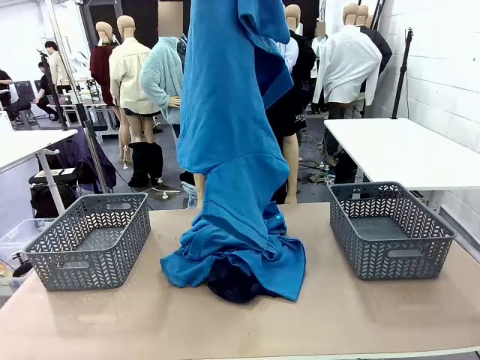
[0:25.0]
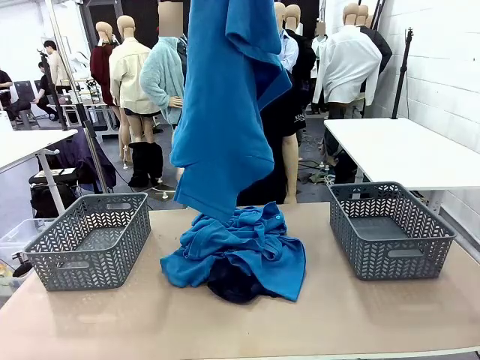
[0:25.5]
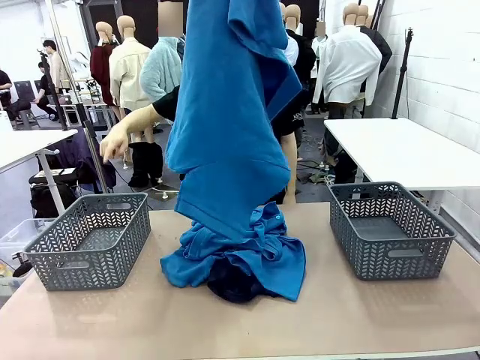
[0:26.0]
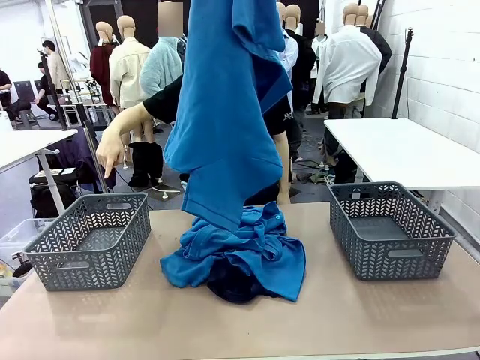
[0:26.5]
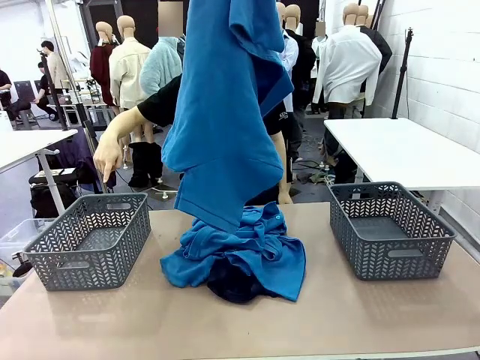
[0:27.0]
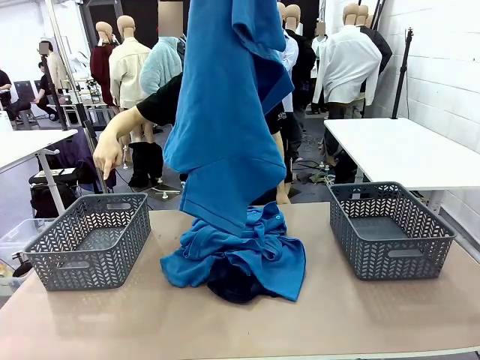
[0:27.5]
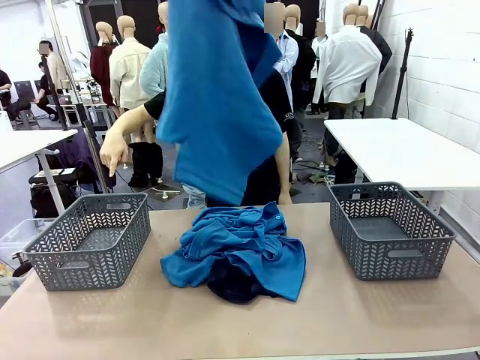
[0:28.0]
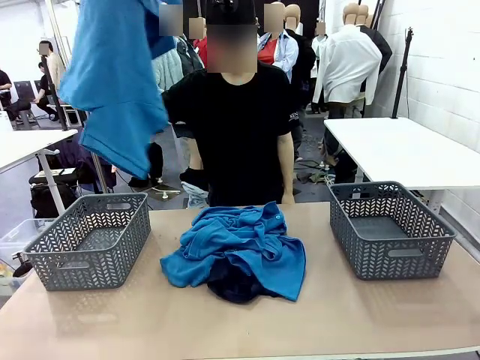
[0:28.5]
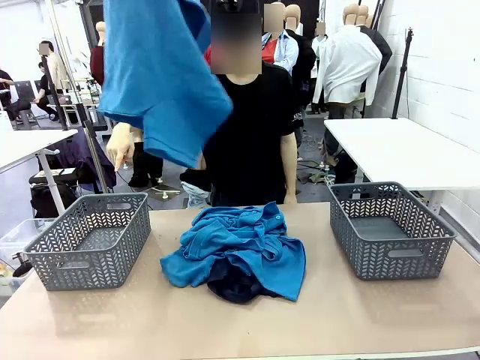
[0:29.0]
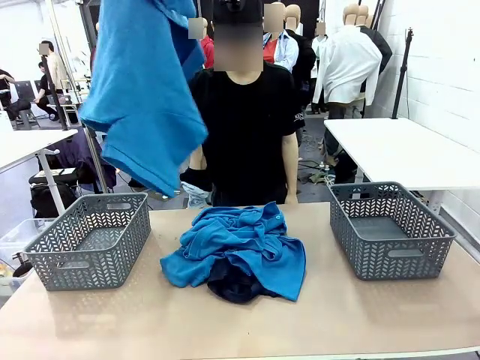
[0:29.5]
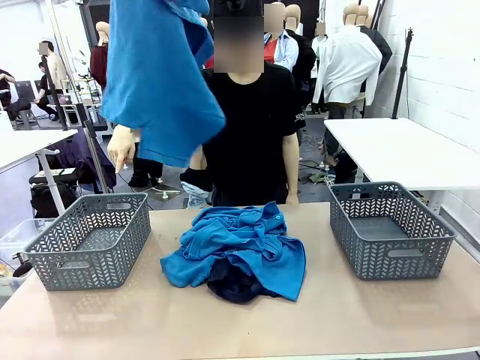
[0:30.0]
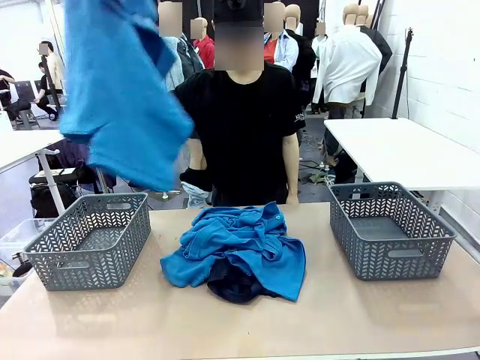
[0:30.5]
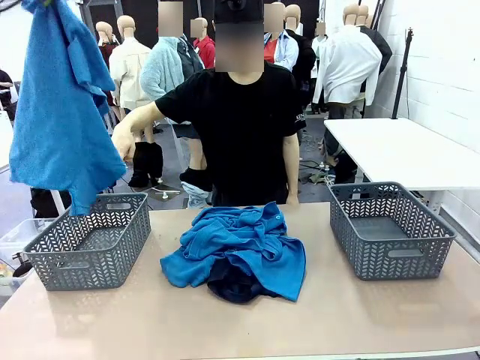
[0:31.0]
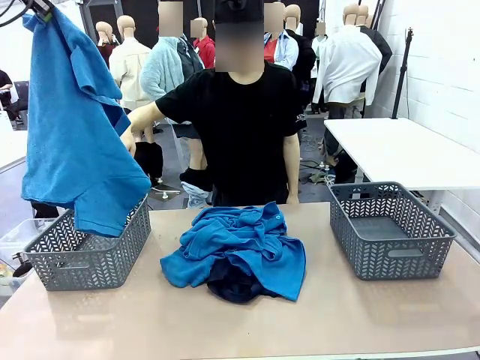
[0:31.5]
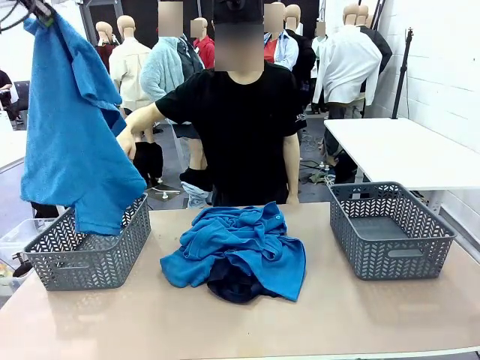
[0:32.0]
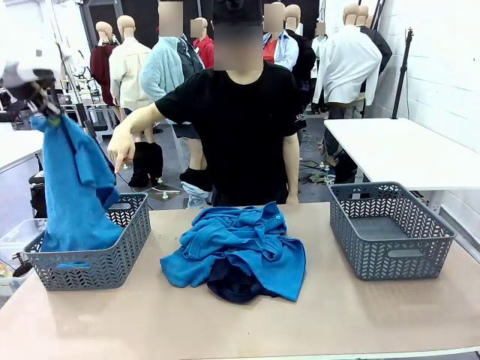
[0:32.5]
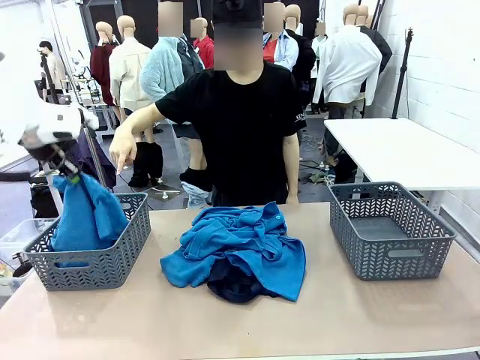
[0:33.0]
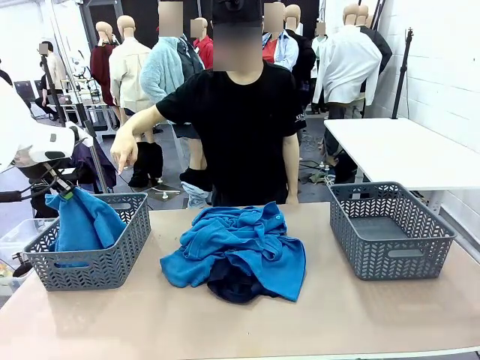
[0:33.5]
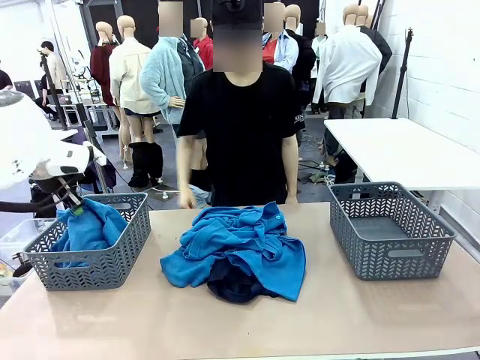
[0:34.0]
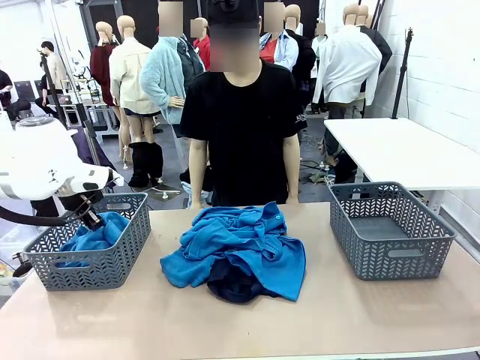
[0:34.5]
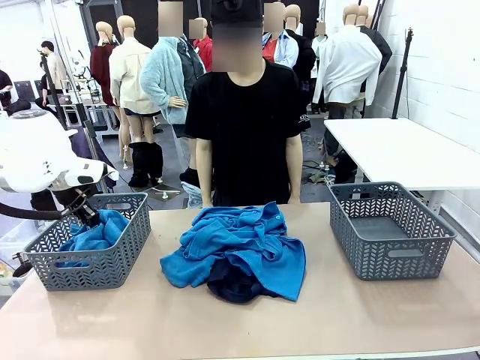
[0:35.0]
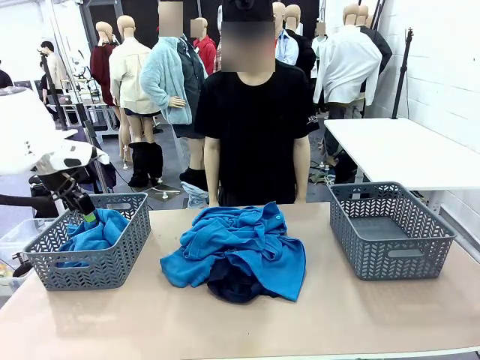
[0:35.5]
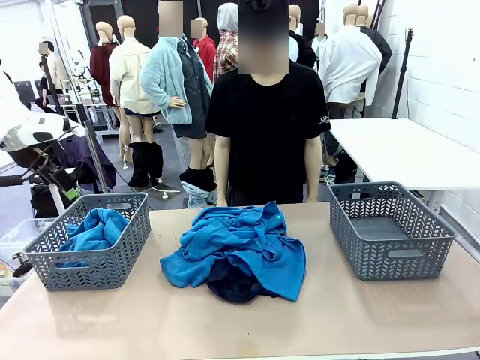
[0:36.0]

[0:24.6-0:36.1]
Task: Sort the tops and bottoms.
Robot: Sort the clothes according to human instructions.

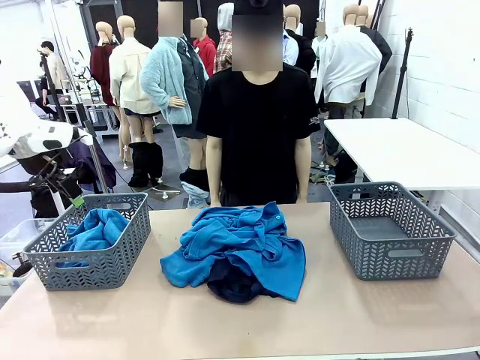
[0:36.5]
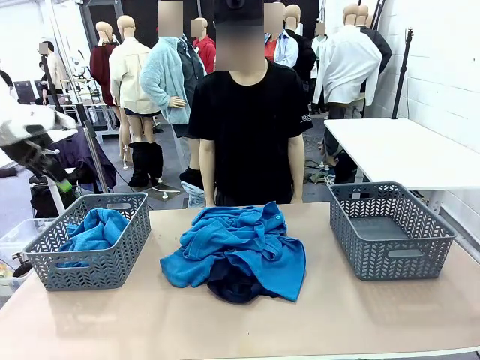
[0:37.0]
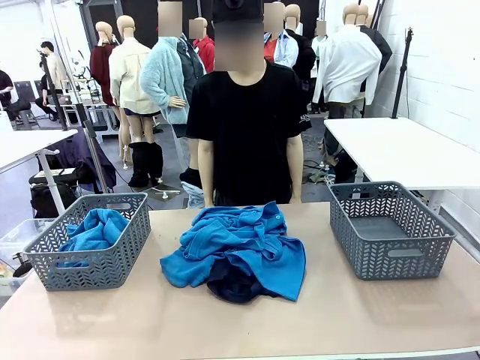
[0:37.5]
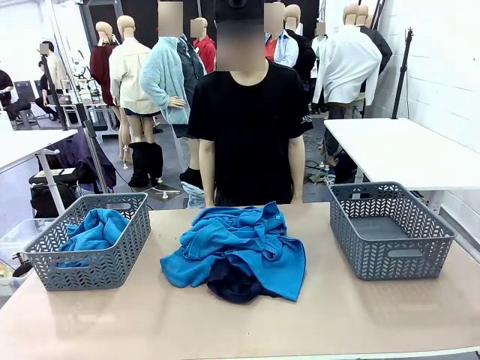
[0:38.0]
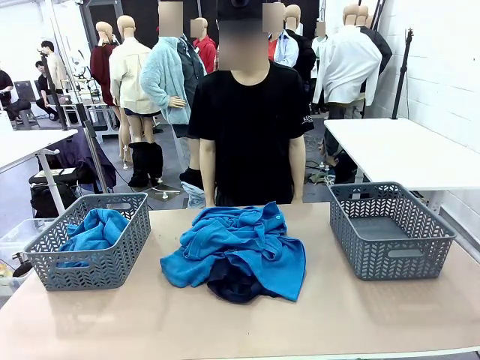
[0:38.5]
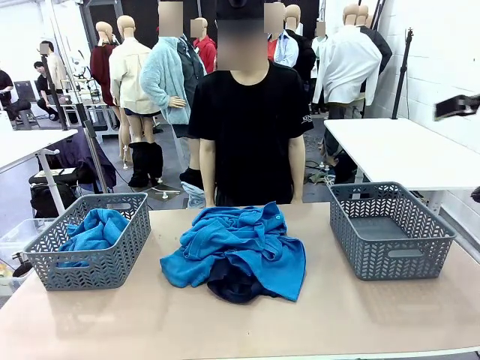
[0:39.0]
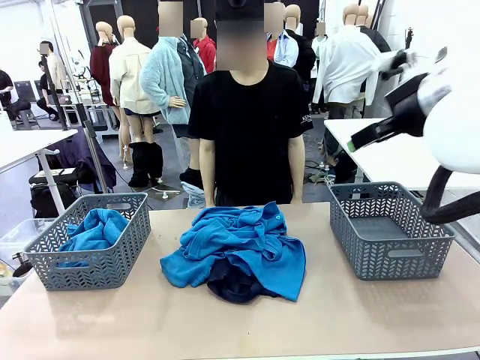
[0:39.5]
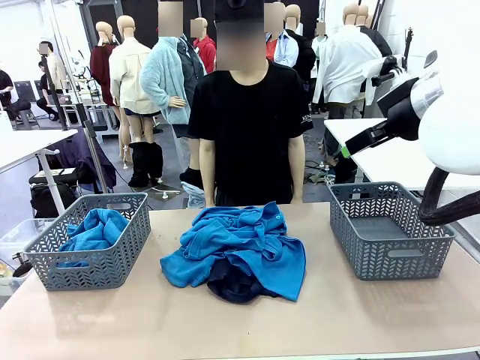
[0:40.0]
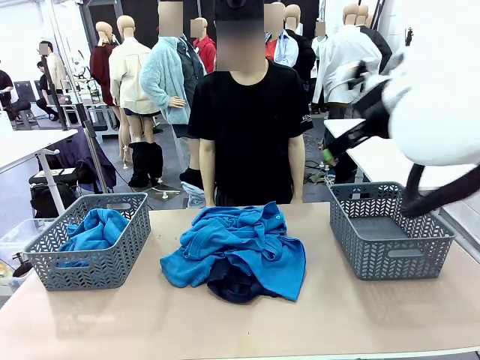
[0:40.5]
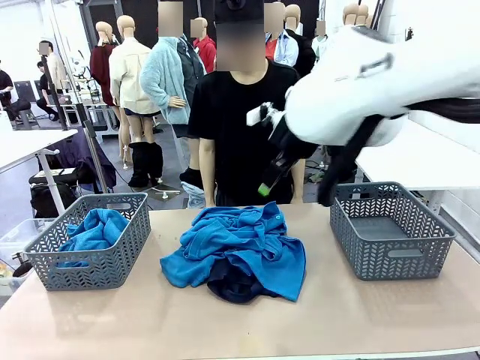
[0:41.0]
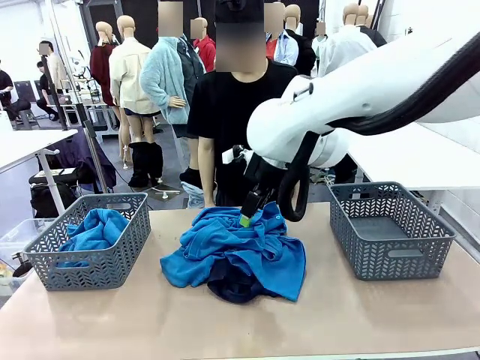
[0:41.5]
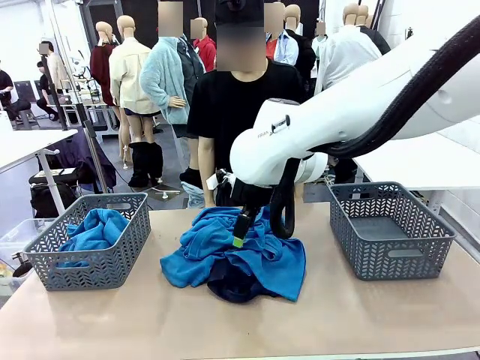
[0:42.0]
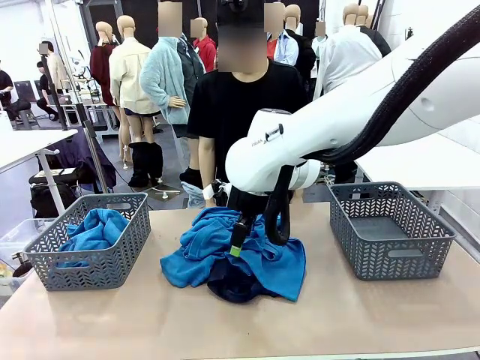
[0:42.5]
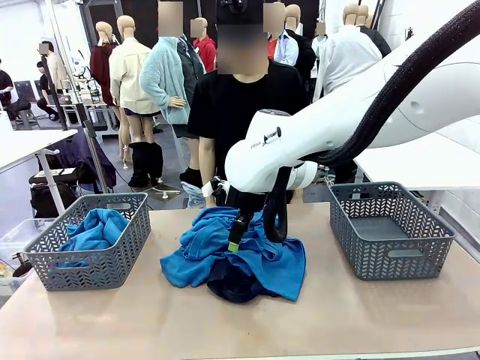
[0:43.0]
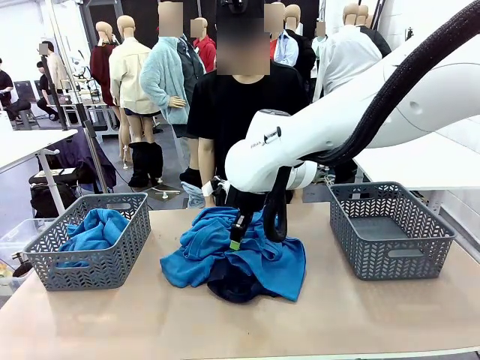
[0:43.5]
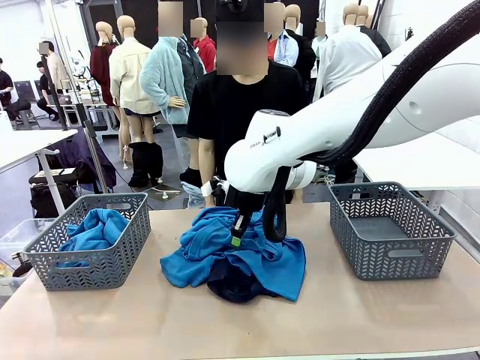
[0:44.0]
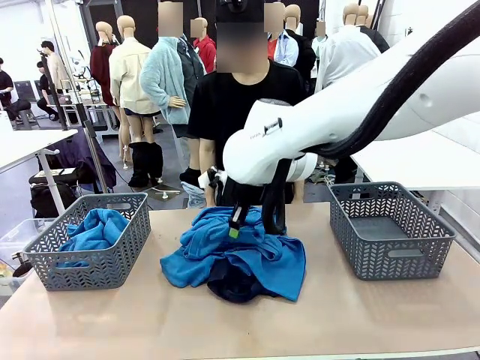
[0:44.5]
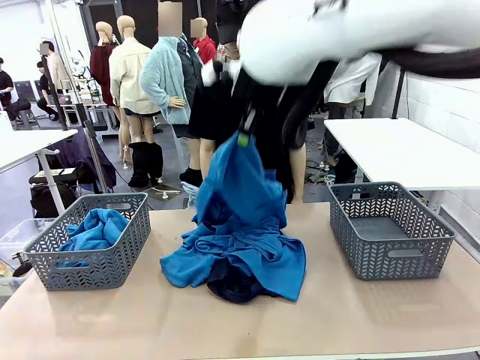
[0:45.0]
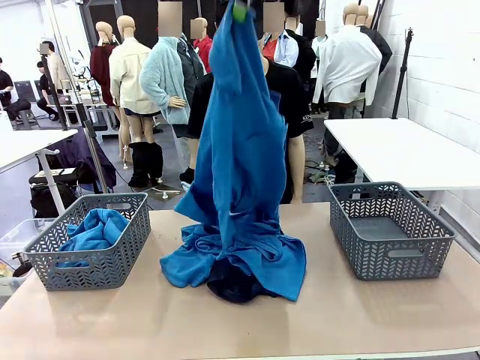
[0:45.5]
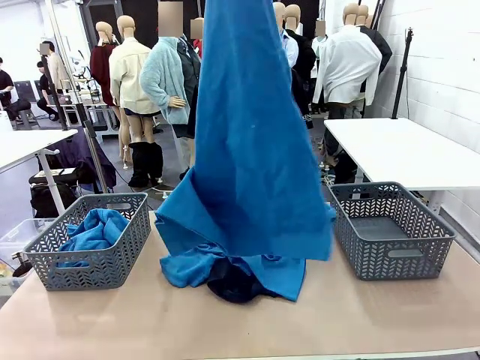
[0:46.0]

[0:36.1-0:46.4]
Robot: Lift clothes from the center of the table with your right hand.

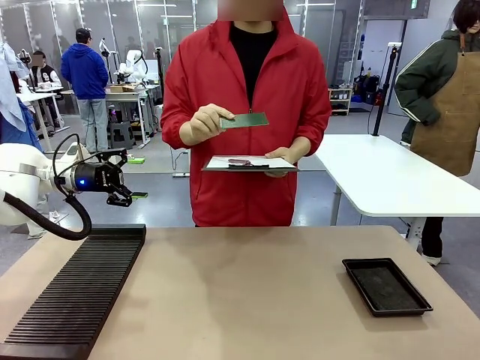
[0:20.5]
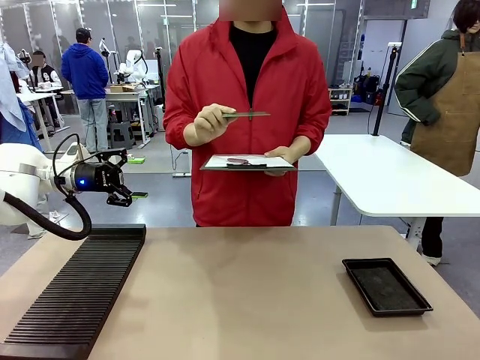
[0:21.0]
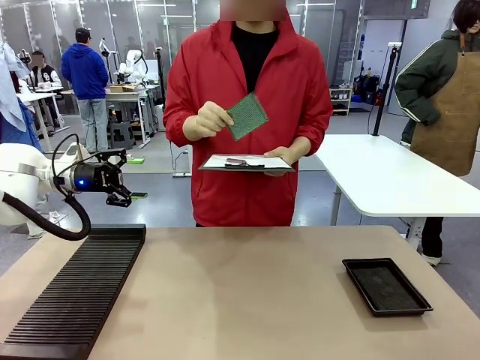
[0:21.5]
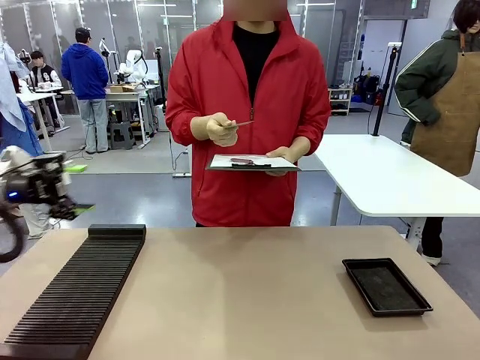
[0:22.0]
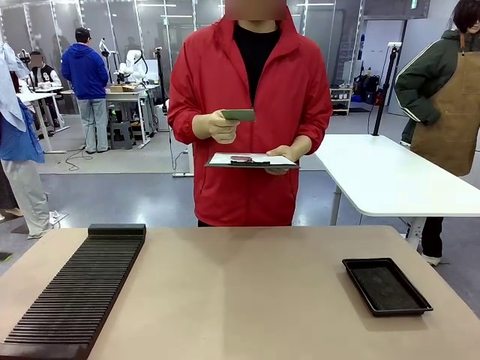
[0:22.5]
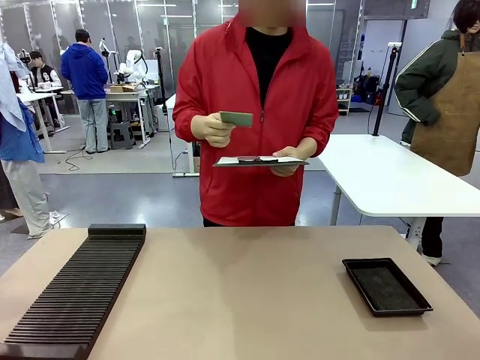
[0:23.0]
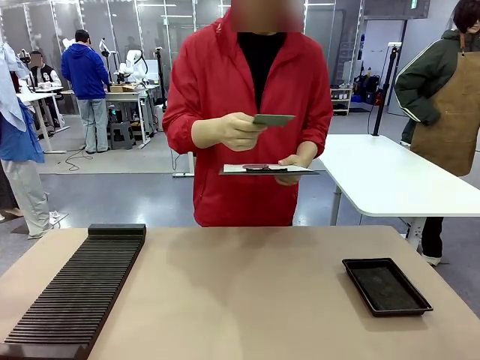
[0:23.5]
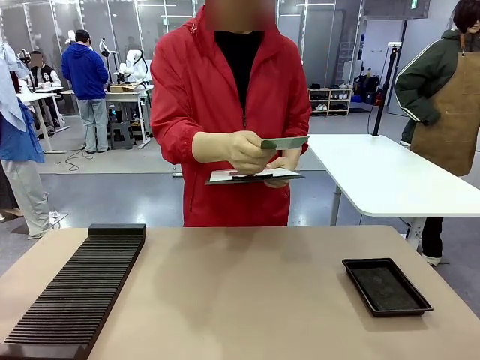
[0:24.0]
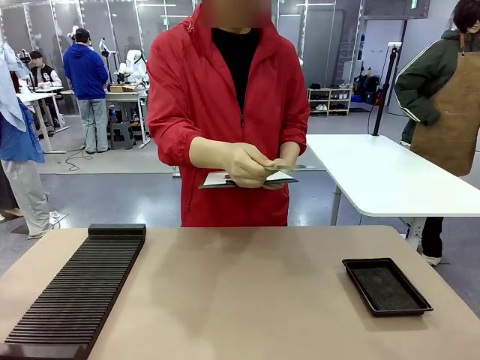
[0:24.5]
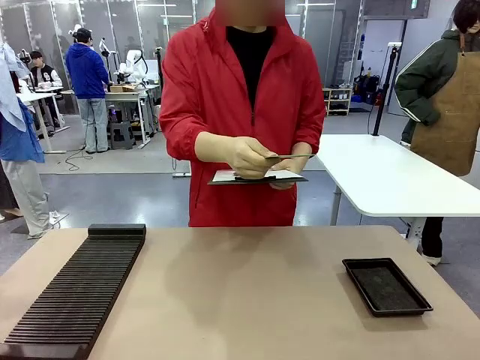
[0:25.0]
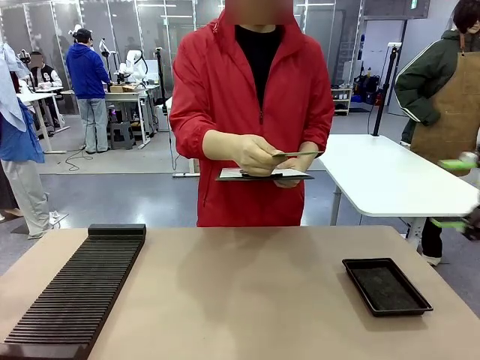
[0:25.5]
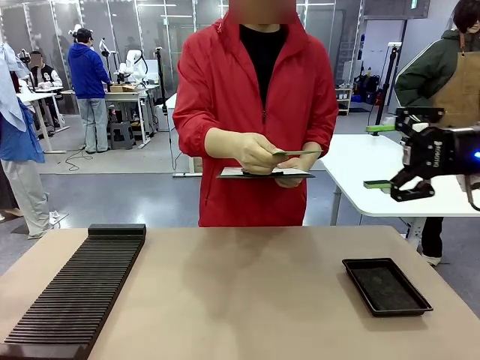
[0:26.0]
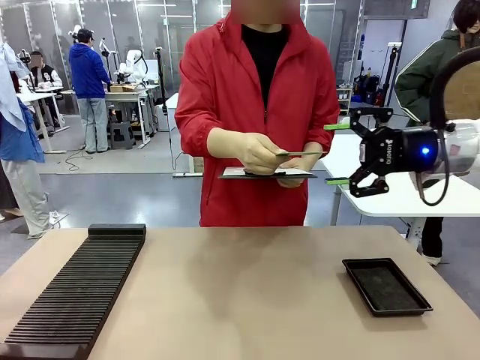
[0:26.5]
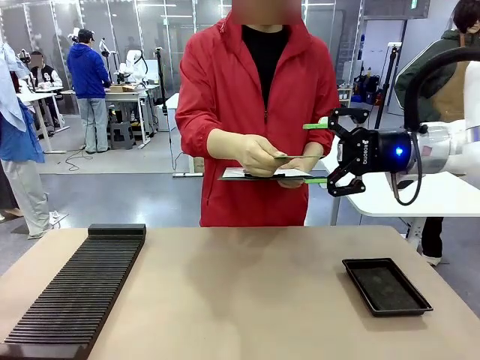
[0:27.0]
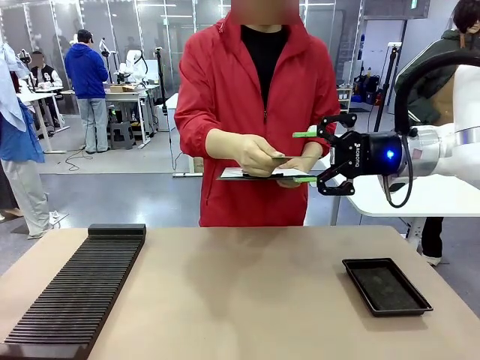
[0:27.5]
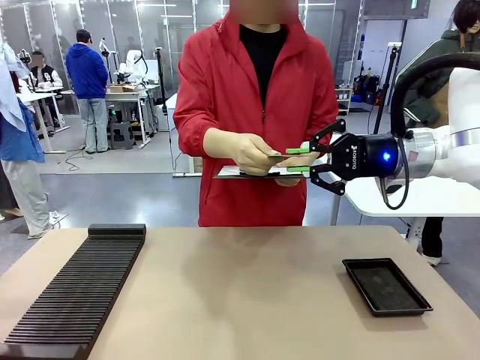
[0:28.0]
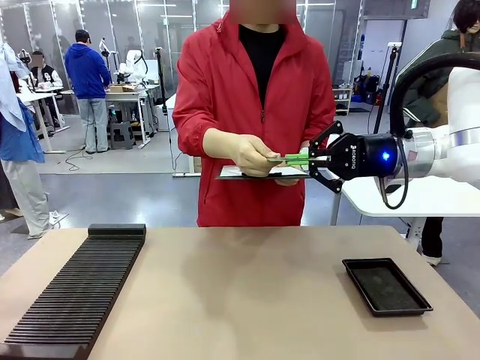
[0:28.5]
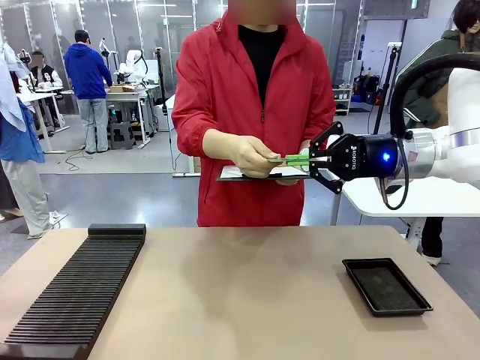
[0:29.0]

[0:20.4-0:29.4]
Task: Inspect the PCB.
Robot: Pick up the Blank PCB that the human is holding.
Person: Release the PCB you were holding.
